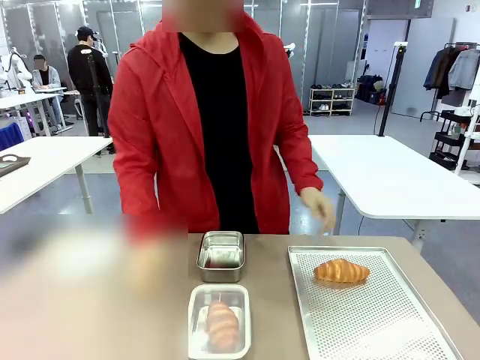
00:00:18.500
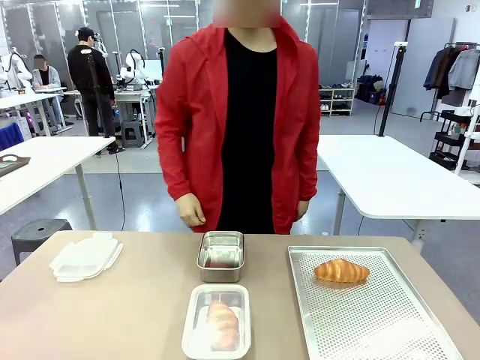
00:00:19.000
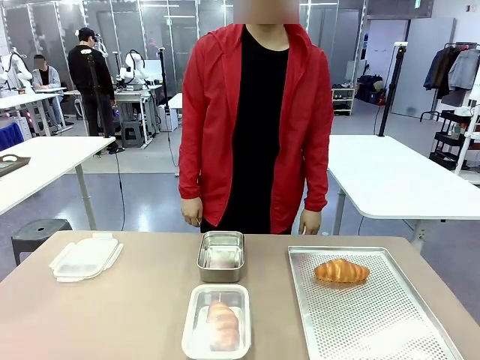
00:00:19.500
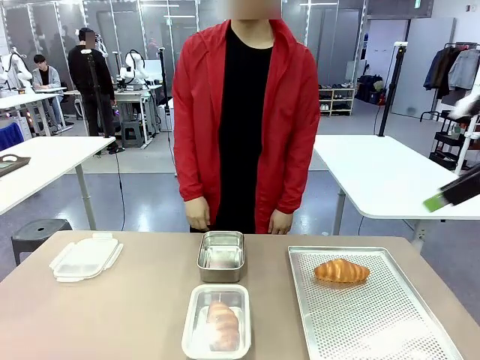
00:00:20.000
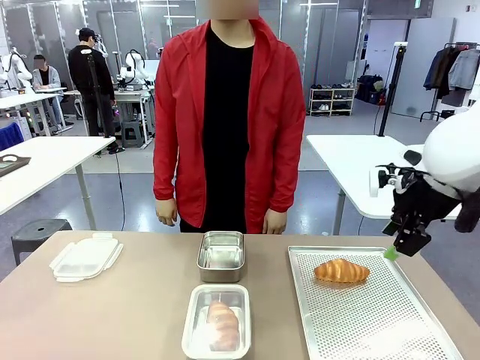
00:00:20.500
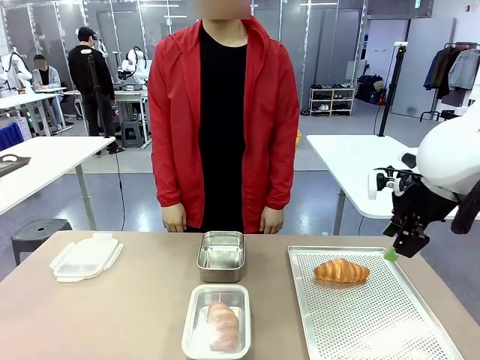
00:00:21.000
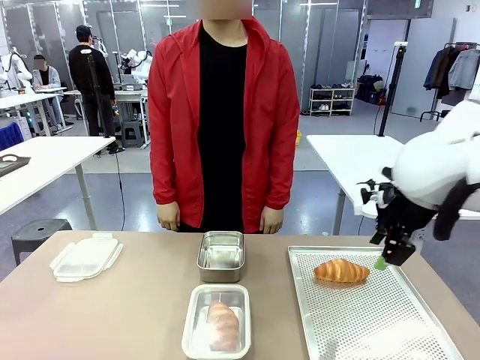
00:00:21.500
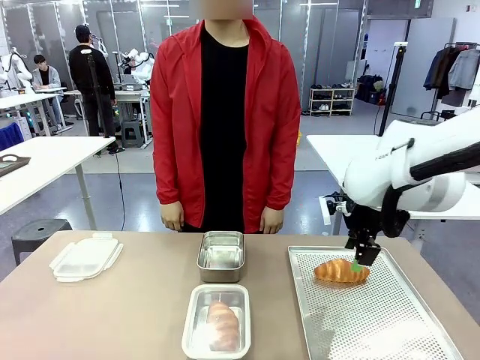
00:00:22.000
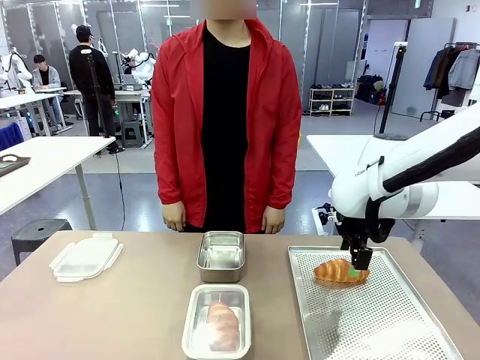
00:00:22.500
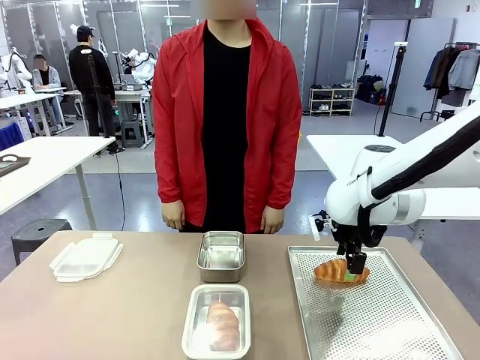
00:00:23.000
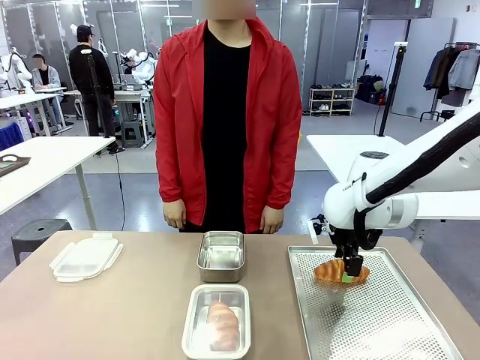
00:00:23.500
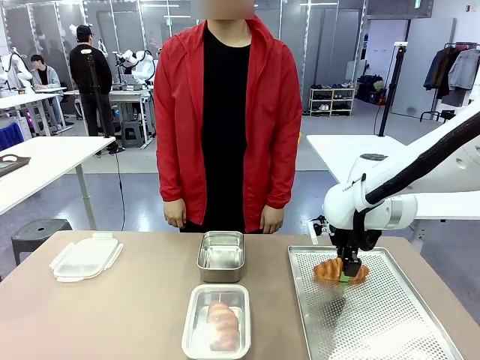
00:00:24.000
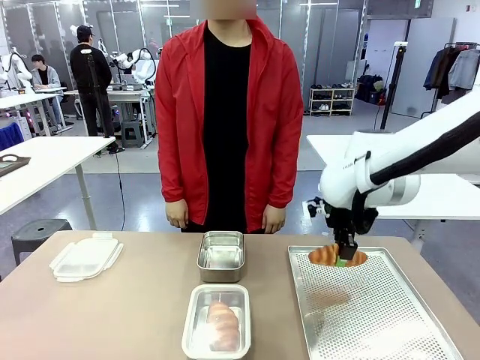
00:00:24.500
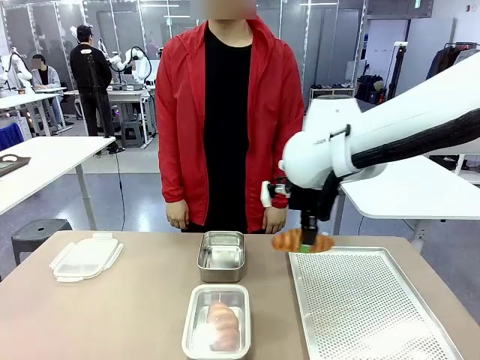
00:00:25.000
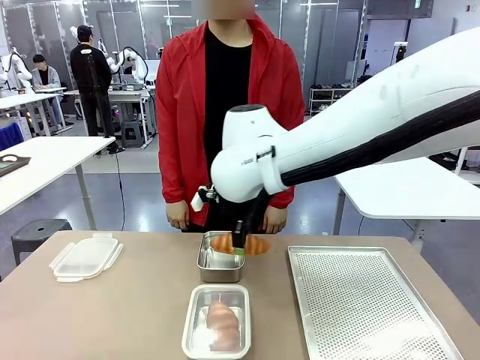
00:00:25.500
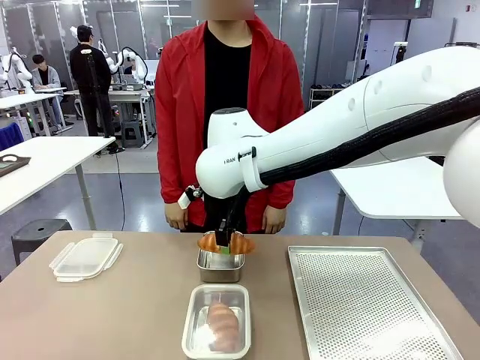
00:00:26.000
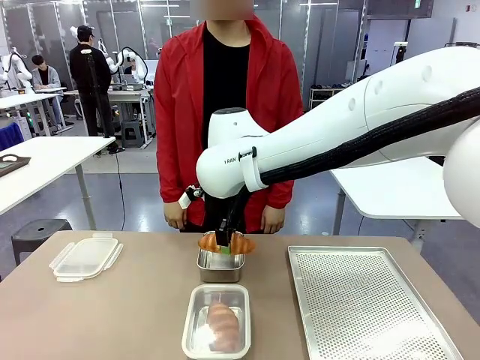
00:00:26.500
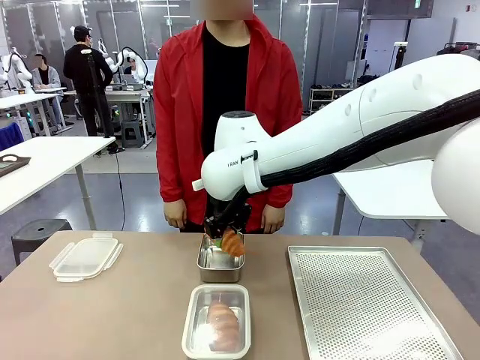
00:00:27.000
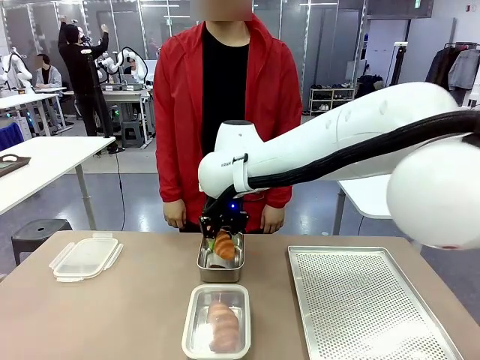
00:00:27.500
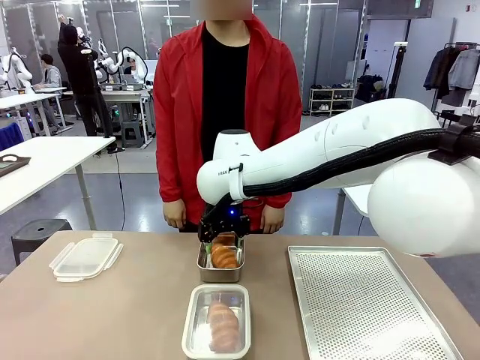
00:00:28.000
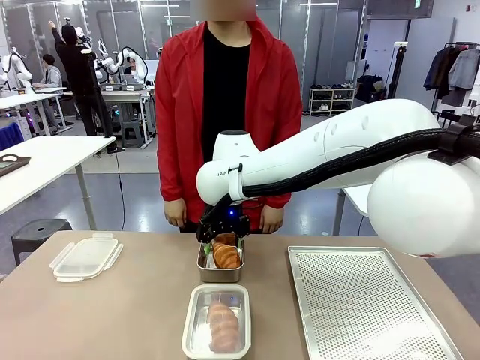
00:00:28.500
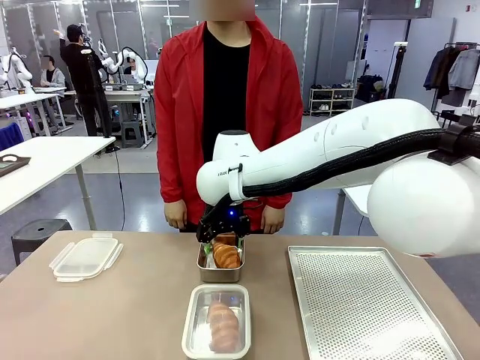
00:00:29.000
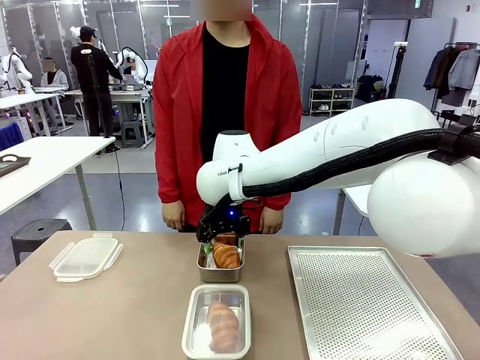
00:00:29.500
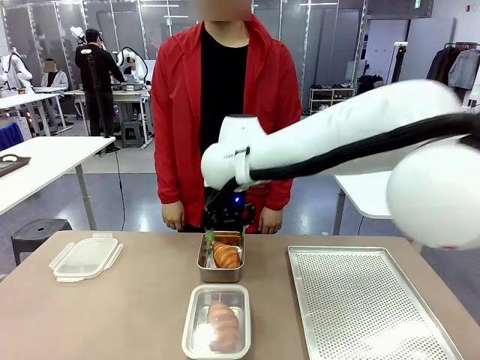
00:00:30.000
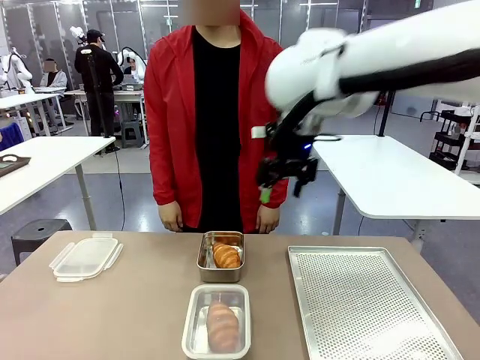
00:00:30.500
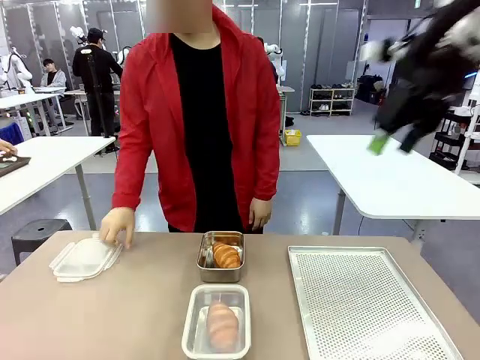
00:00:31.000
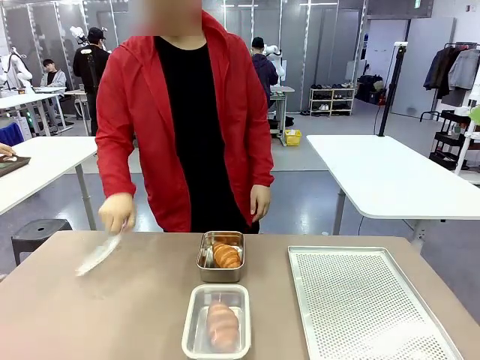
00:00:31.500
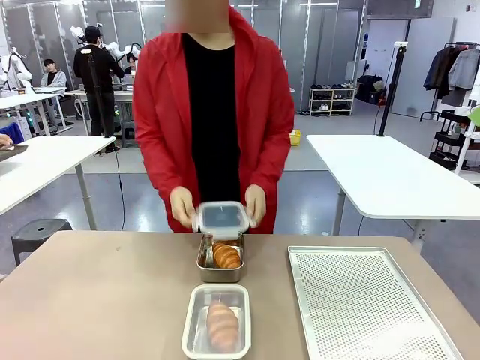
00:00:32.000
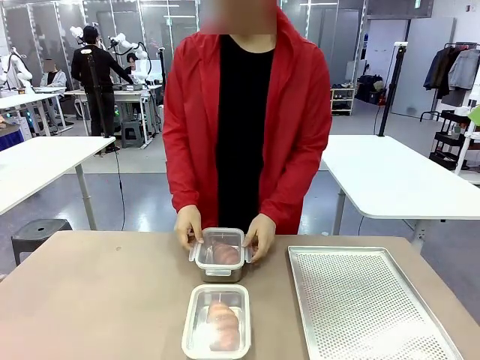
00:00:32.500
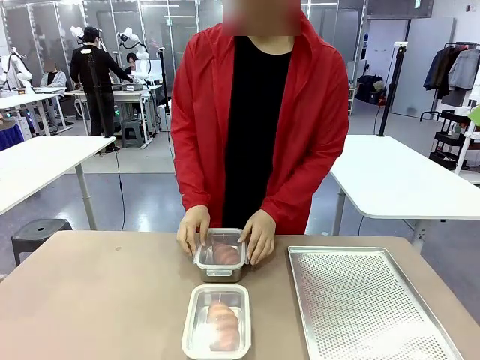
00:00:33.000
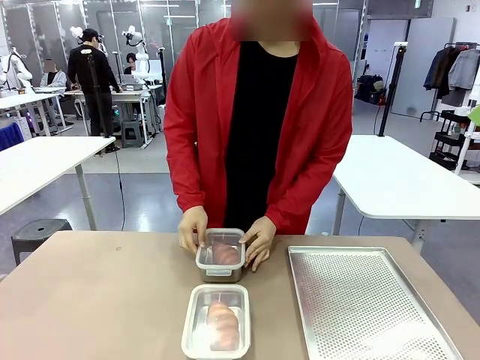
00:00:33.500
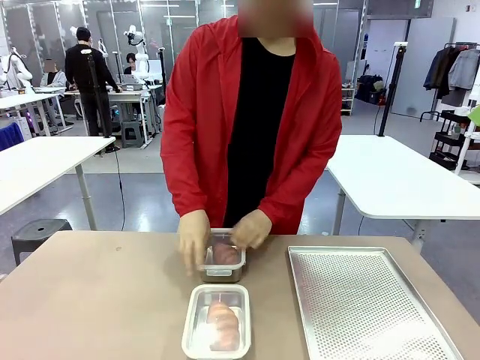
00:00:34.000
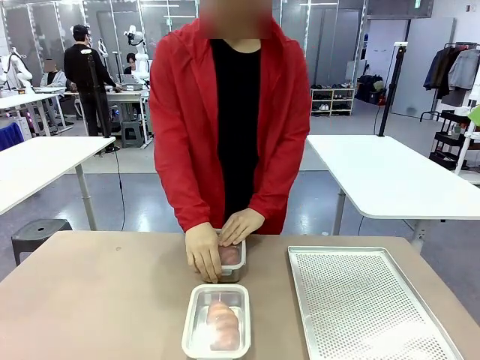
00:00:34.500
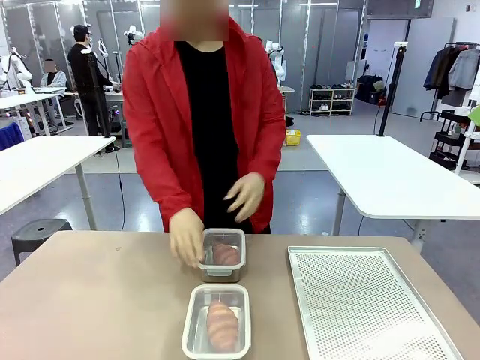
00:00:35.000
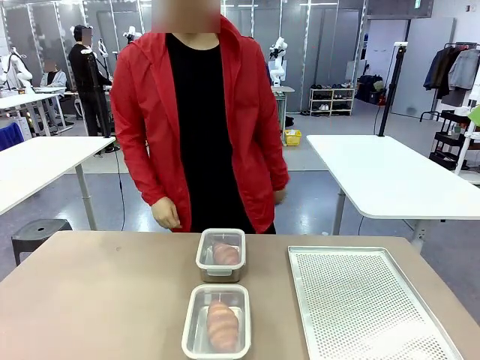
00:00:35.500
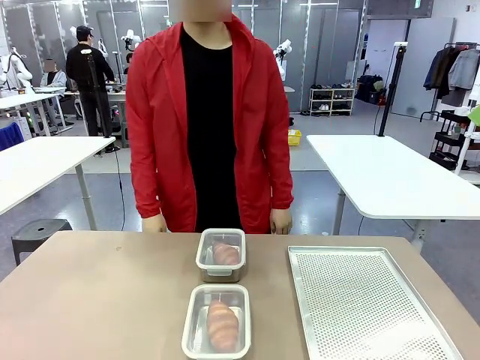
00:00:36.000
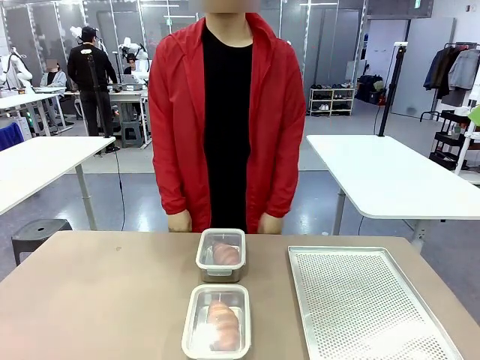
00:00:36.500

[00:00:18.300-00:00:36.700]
Task: Place the bread into the airtight container.
Robot: Pick up a Butter Roll and place it into an empty Airtight Container.
Person: Once a Butter Roll is inside an Airtight Container , close the lid of that Airtight Container.

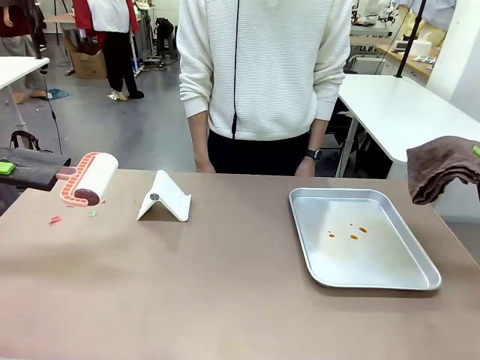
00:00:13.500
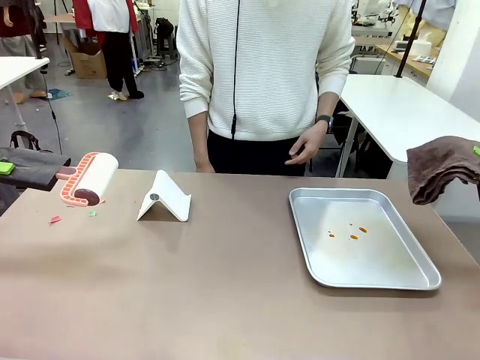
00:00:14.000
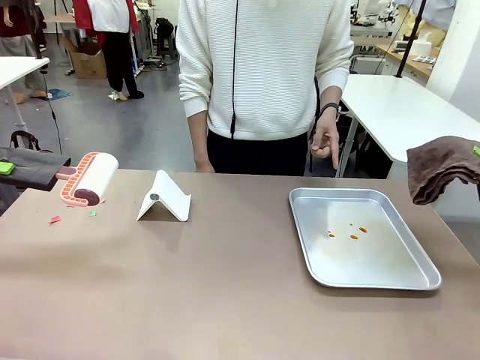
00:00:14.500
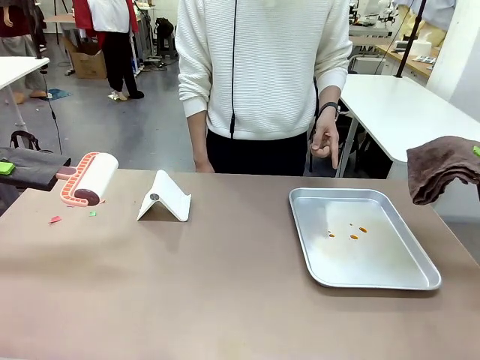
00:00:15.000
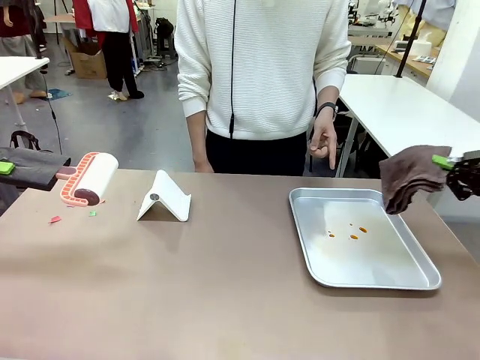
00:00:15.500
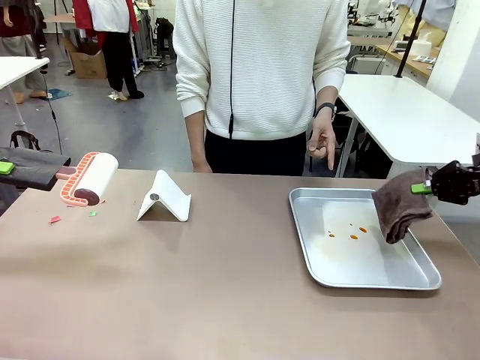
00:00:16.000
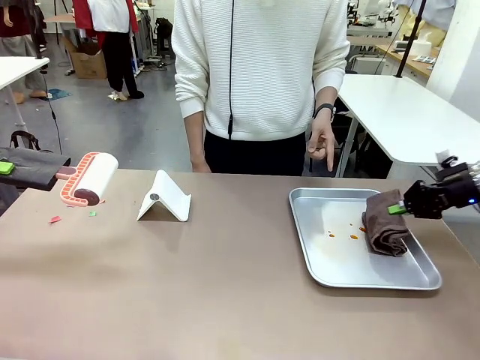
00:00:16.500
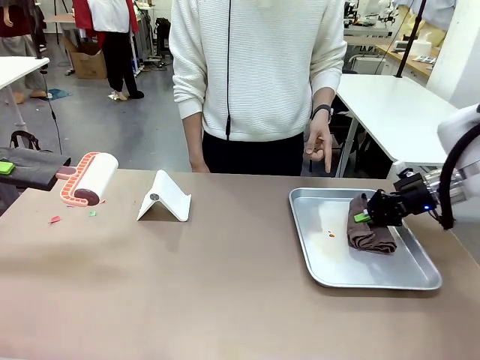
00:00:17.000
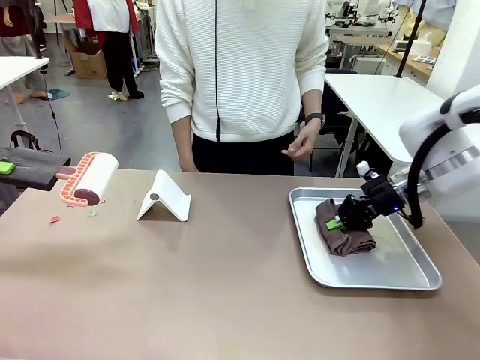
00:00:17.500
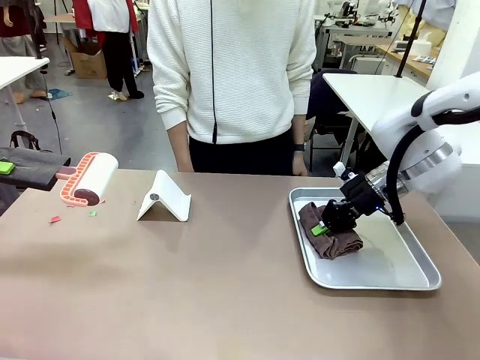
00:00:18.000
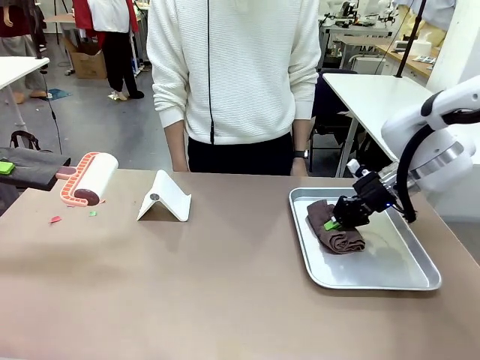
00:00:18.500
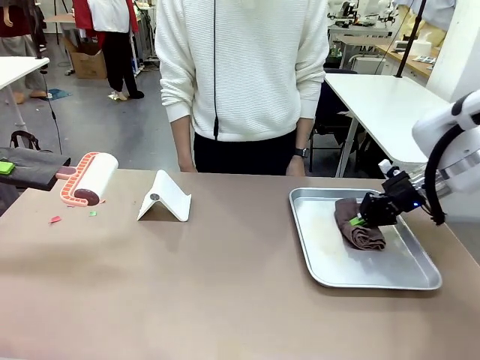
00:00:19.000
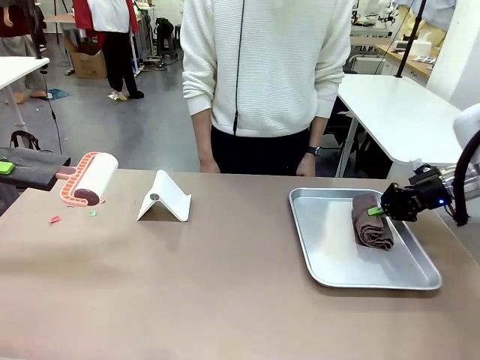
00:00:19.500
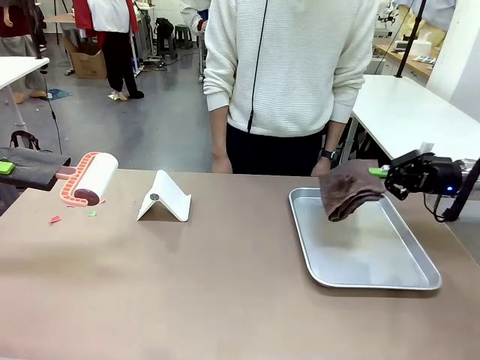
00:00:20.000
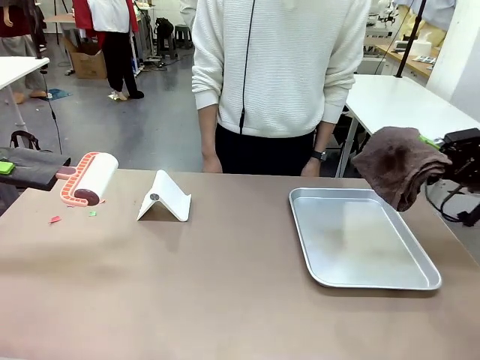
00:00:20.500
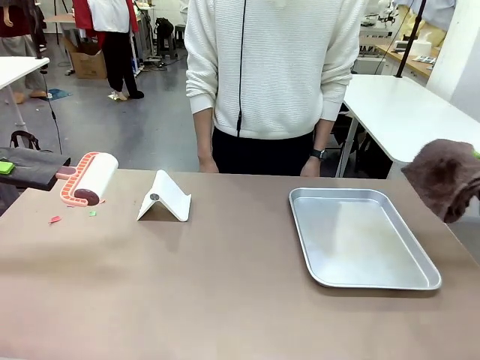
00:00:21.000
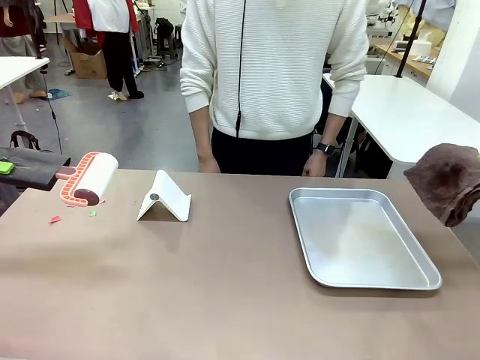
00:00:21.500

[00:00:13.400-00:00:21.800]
Task: Clean the surface of the table.
Robot: If a person points to the right, clean the right side of the table with your right hand, and if they point to the left, clean the left side with your left hand.
